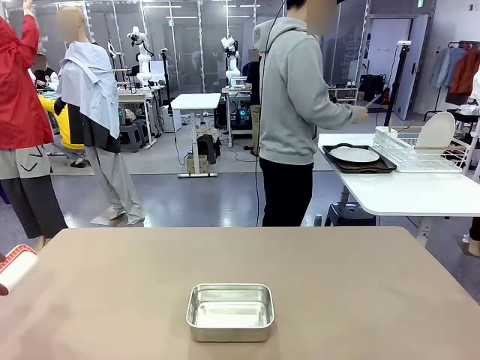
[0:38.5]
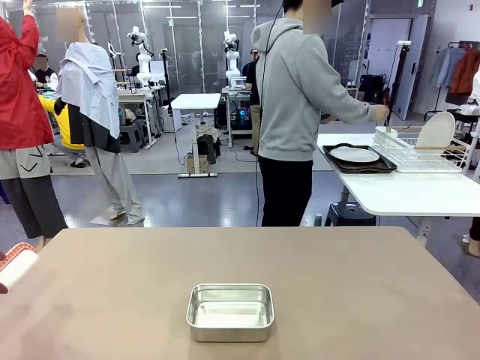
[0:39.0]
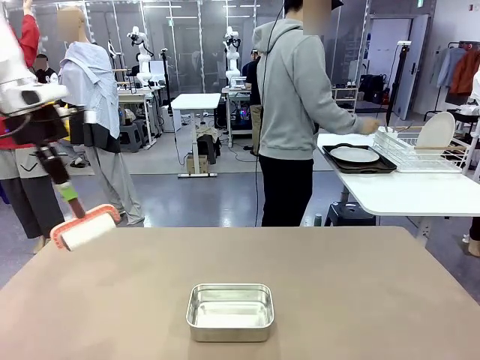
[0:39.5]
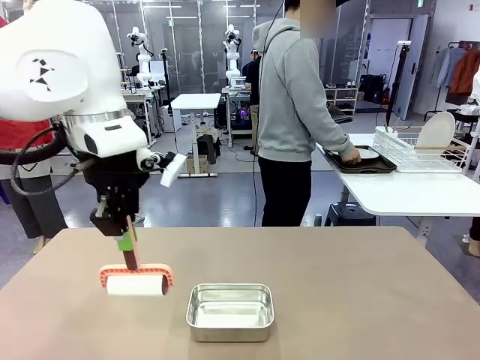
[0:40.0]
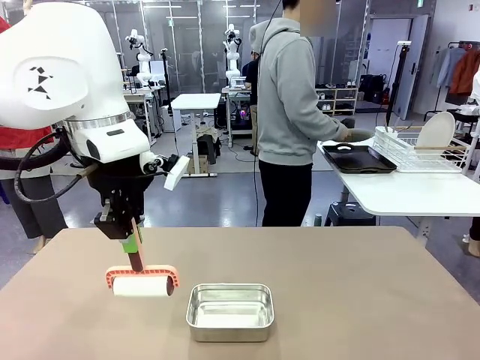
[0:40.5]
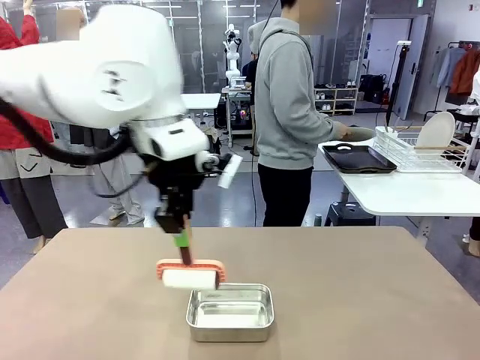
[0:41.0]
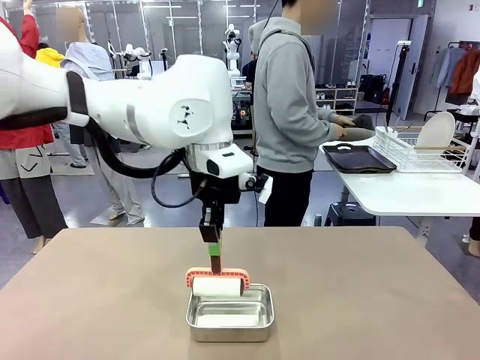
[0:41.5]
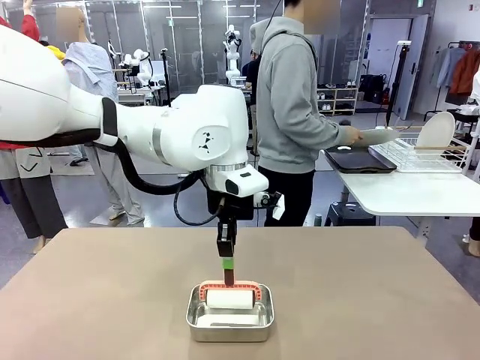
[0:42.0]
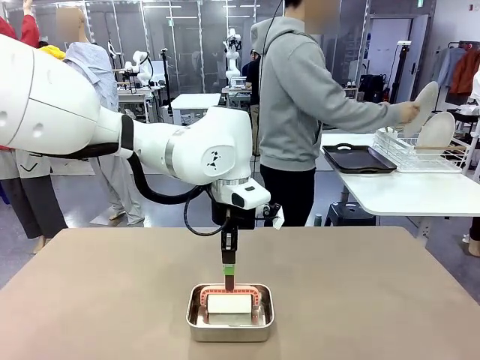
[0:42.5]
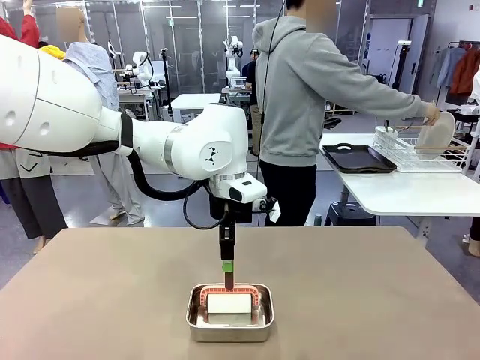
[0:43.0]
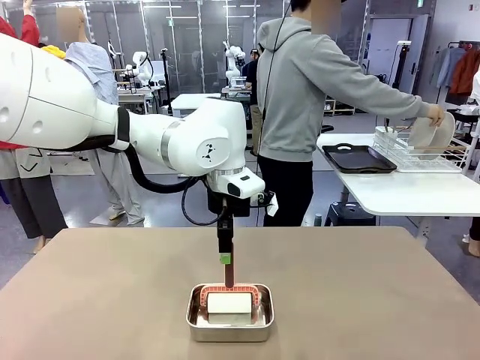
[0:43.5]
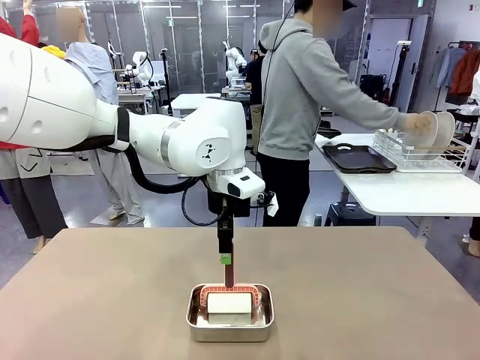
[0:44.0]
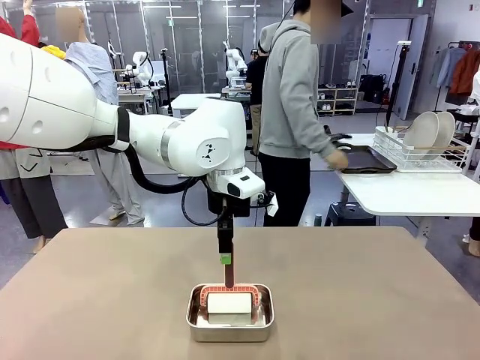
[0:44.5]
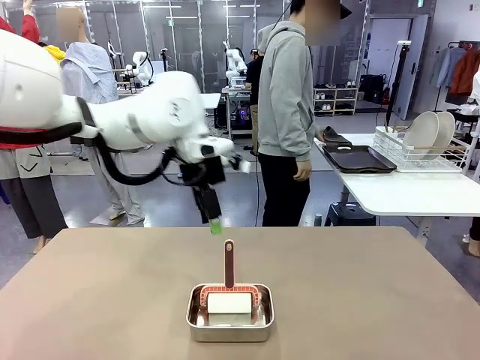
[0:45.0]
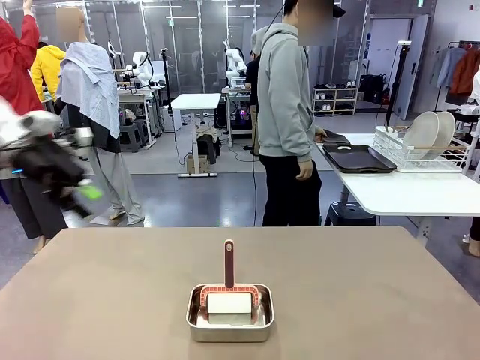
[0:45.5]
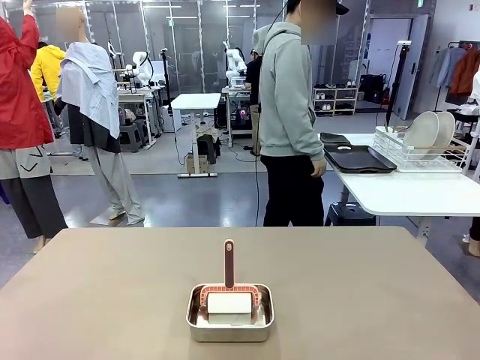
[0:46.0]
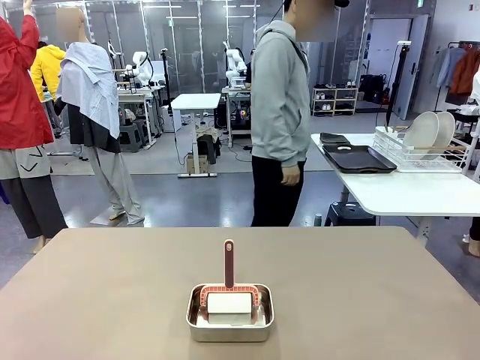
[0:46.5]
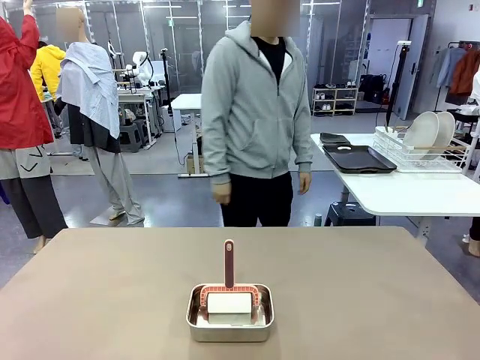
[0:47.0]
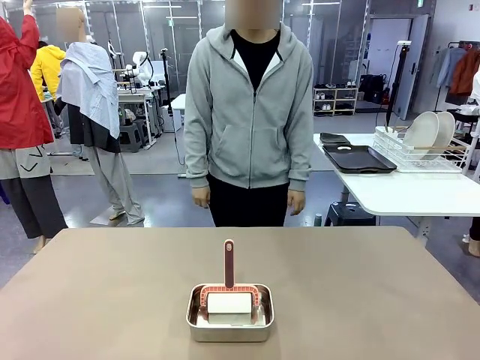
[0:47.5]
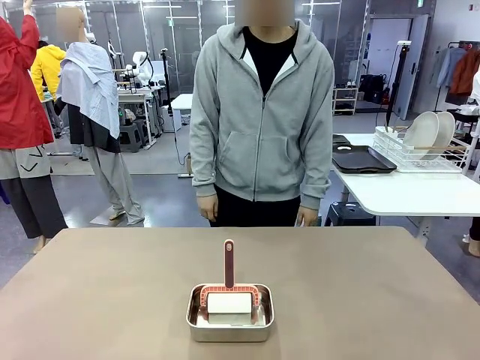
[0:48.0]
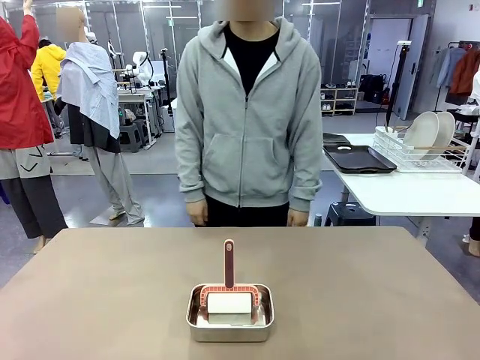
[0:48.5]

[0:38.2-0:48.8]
Robot: Place the Lint Roller back on top of the Airtight Container.
Person: Use the Towel with hook to wipe the Plastic Matte Plate , Fork , and Knife and place into the Dish drying rack.

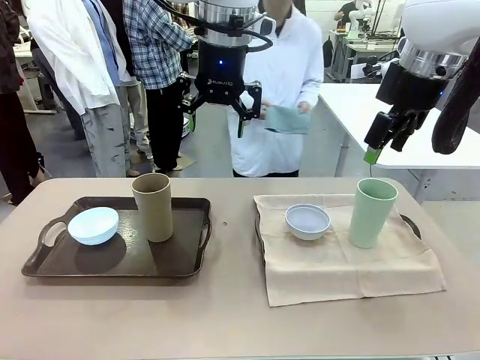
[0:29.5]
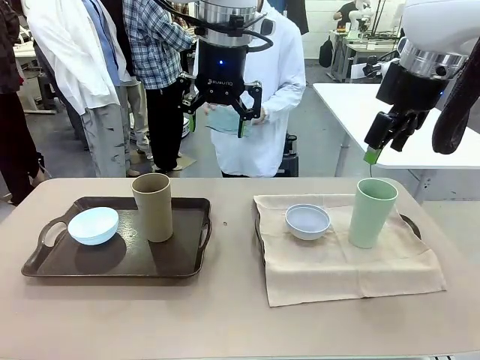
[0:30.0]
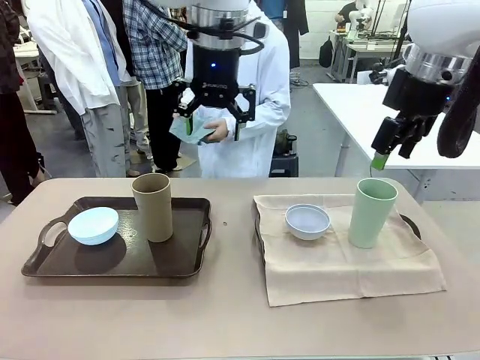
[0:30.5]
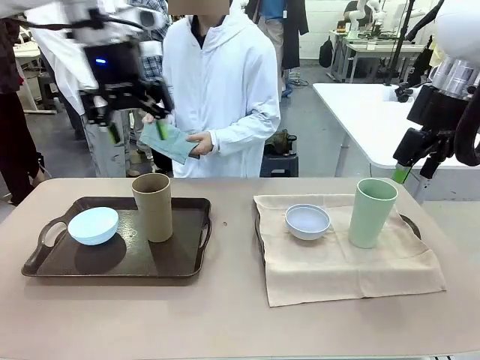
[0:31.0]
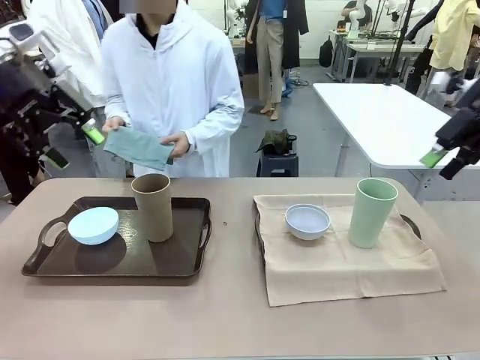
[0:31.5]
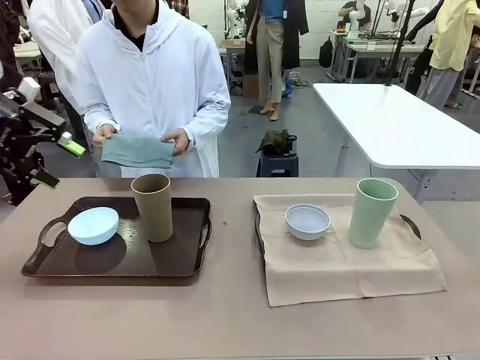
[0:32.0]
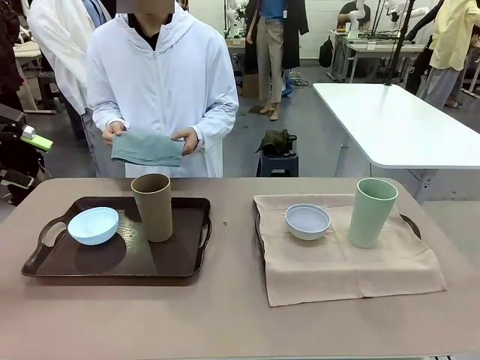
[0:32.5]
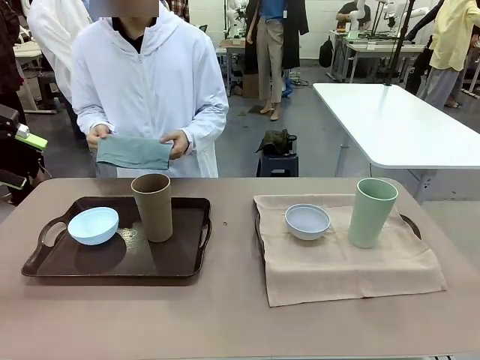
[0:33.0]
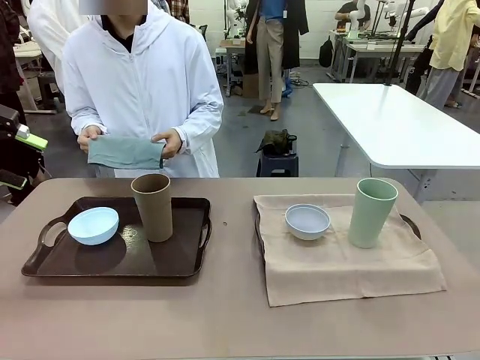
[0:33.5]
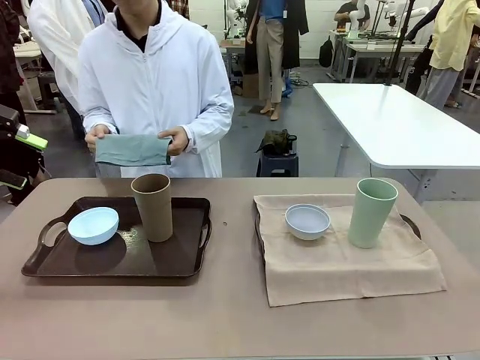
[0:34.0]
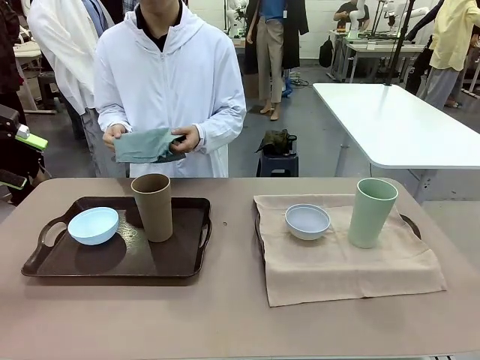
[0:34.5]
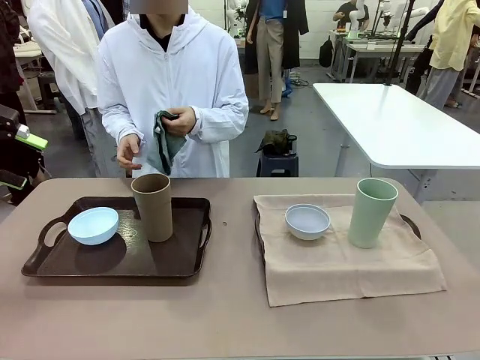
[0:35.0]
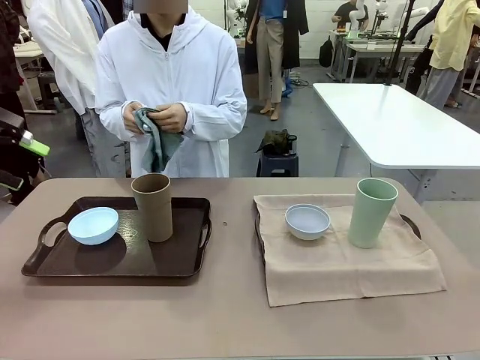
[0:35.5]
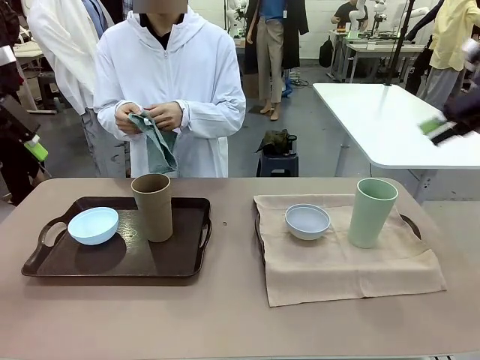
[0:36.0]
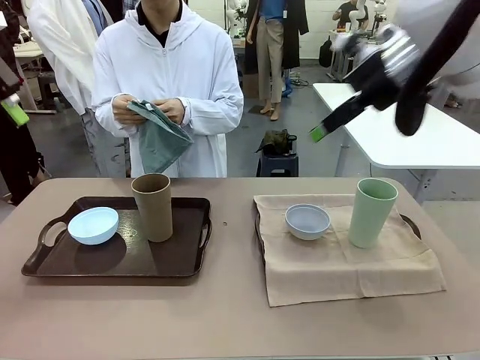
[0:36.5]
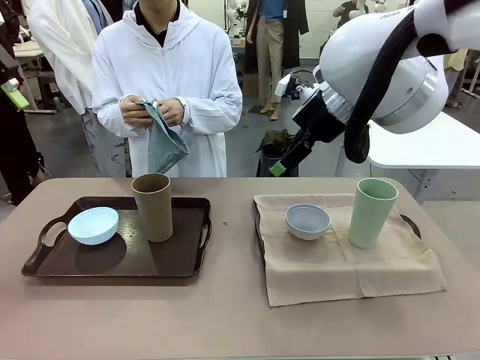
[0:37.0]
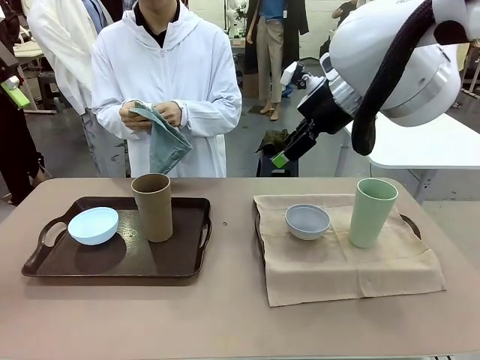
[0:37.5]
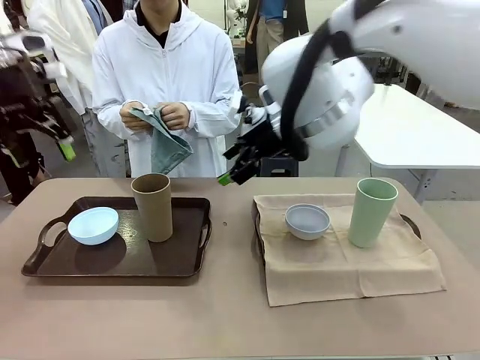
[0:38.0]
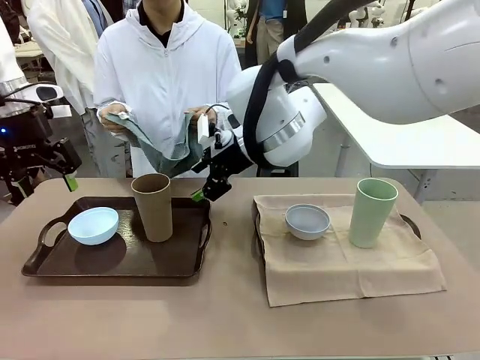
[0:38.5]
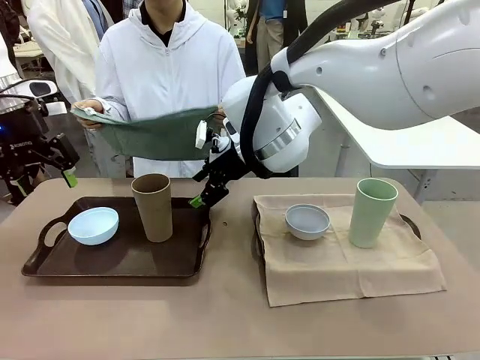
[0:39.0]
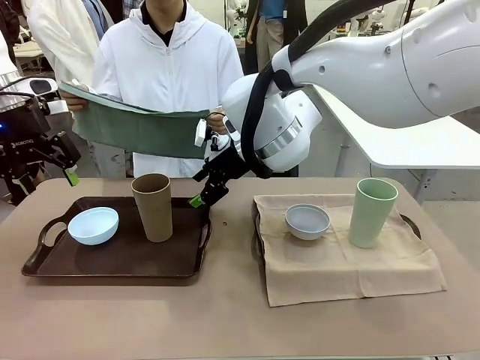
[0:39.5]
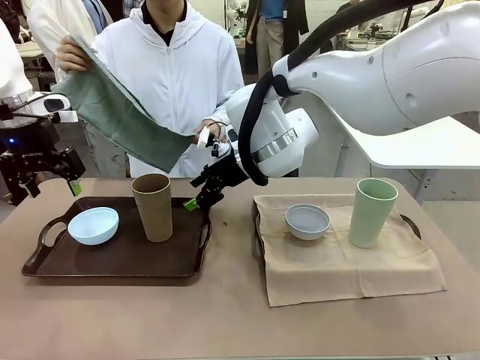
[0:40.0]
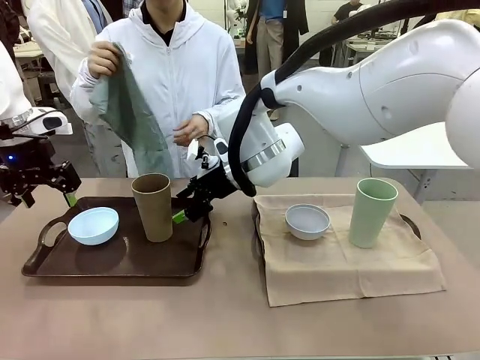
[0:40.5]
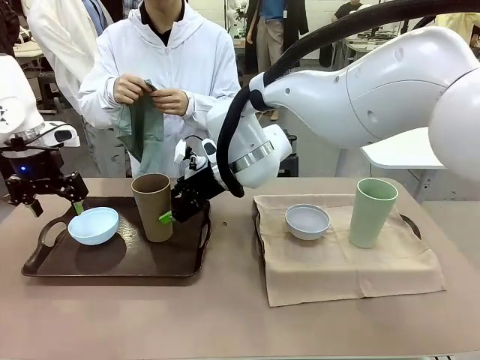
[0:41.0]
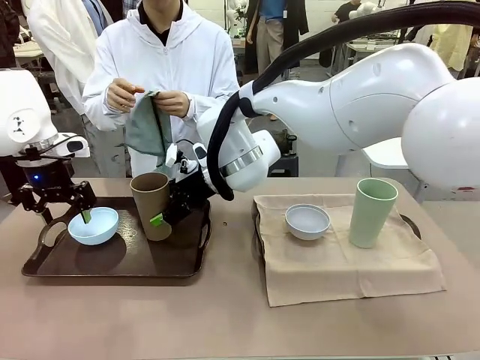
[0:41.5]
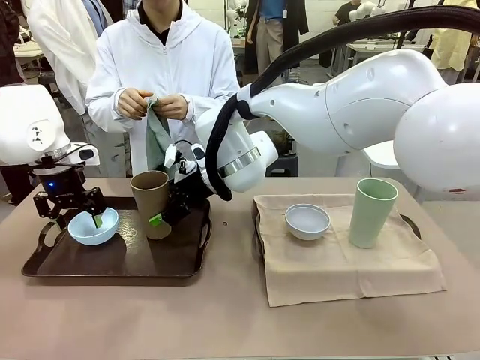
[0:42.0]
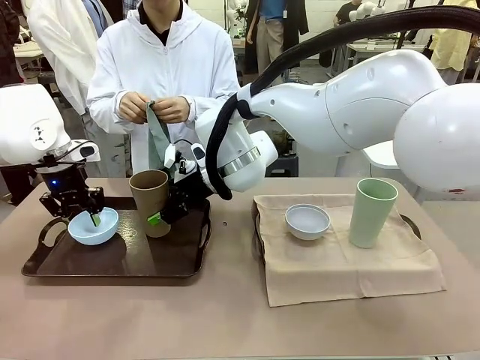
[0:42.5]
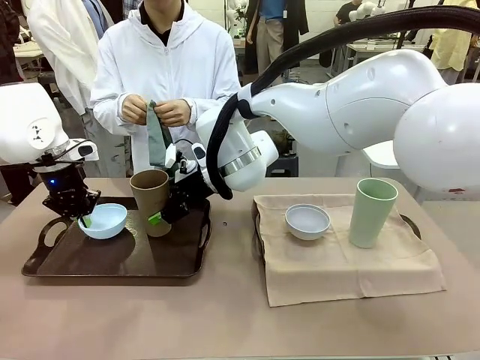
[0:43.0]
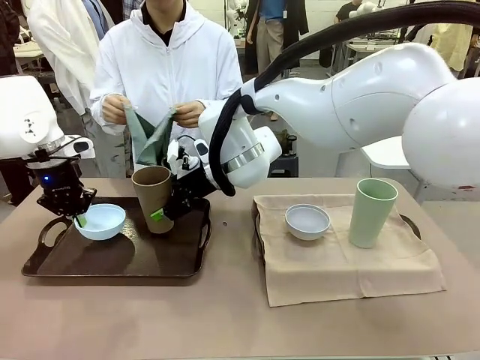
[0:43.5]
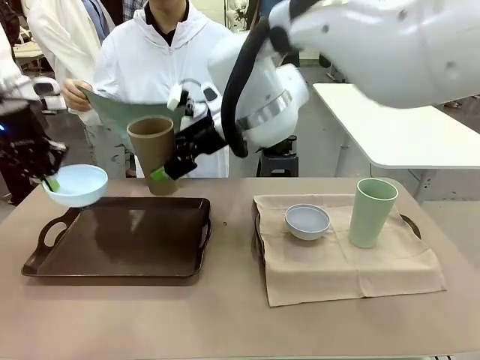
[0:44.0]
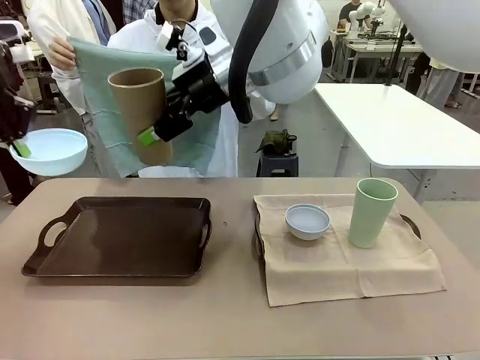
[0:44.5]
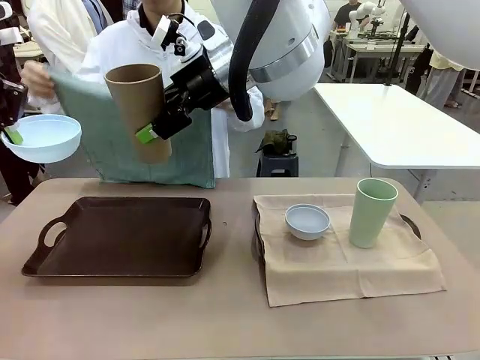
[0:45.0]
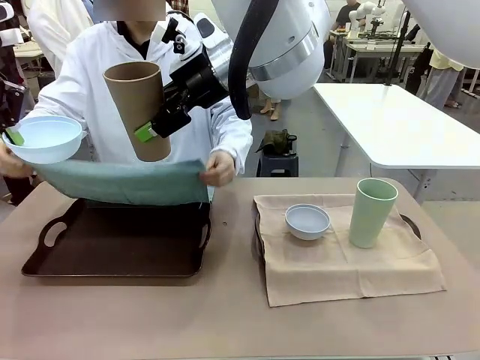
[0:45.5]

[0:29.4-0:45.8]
Robot: Pick up the Picnic Bowl and Reusable plastic cup from the Handle tray in front of the human's position and hold them in the air.
